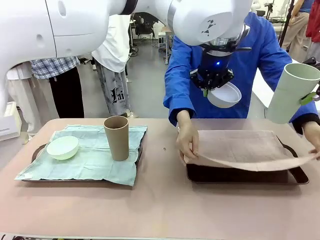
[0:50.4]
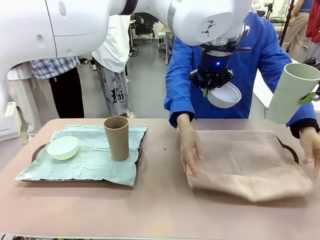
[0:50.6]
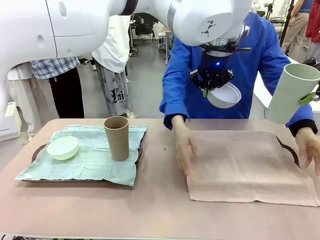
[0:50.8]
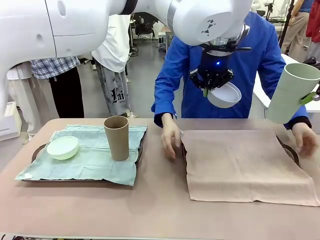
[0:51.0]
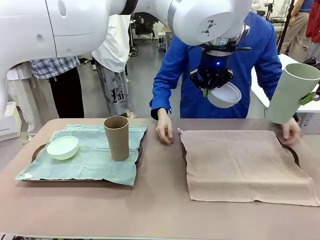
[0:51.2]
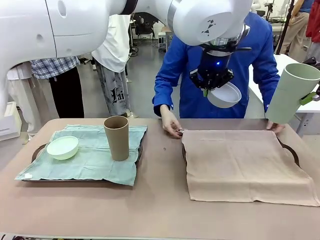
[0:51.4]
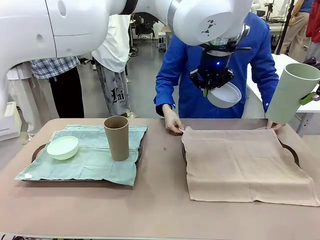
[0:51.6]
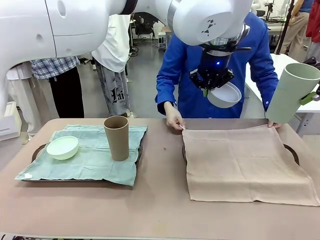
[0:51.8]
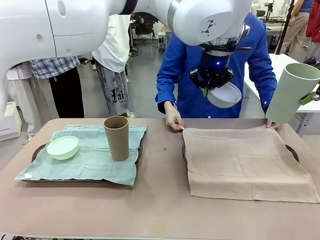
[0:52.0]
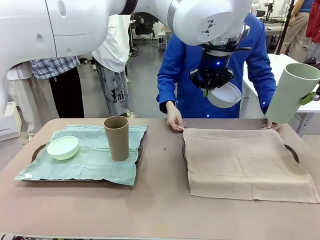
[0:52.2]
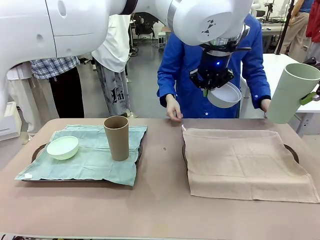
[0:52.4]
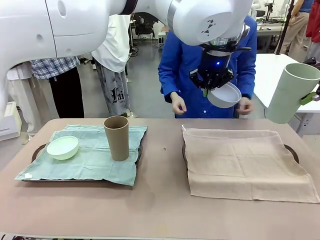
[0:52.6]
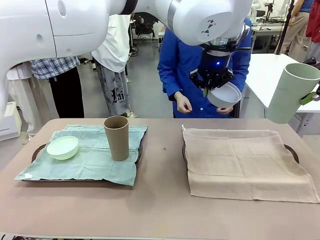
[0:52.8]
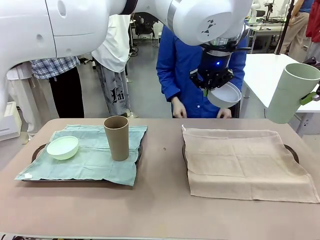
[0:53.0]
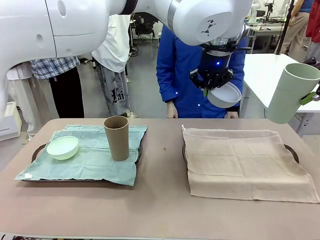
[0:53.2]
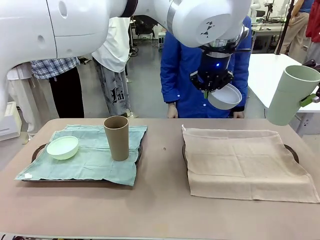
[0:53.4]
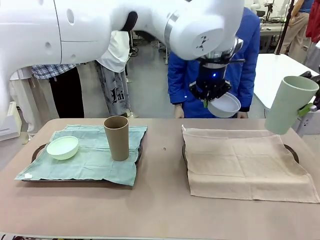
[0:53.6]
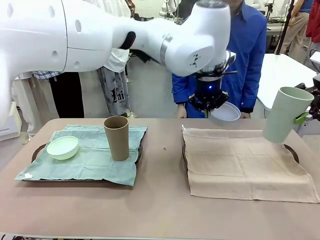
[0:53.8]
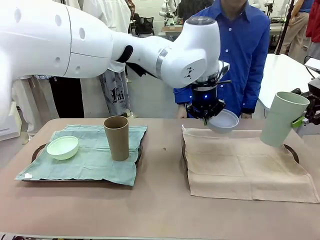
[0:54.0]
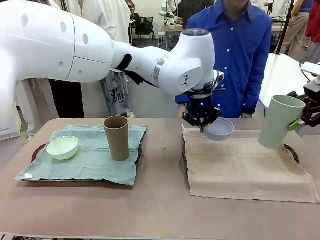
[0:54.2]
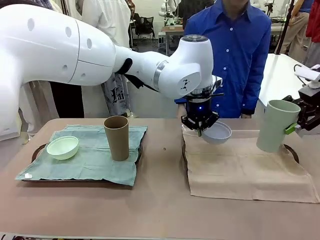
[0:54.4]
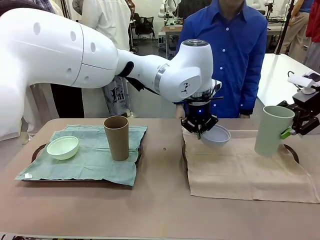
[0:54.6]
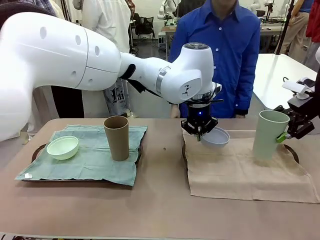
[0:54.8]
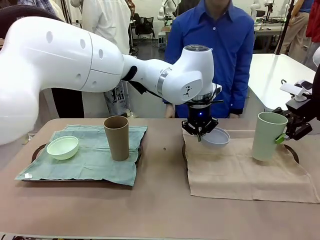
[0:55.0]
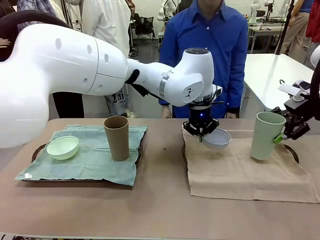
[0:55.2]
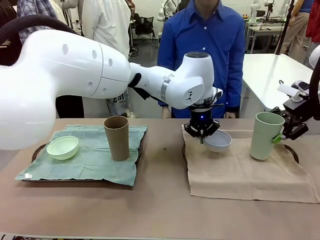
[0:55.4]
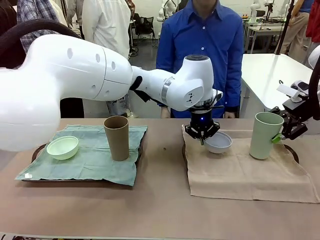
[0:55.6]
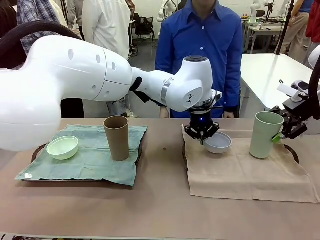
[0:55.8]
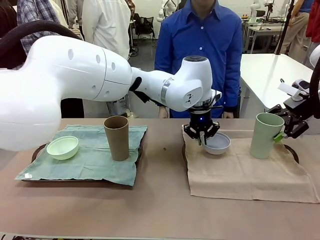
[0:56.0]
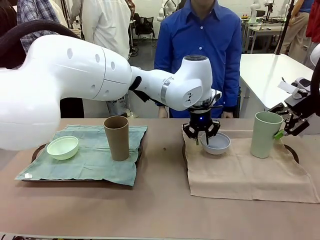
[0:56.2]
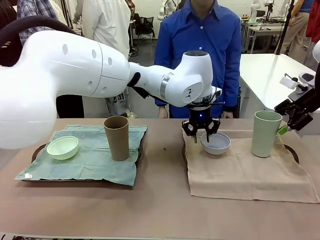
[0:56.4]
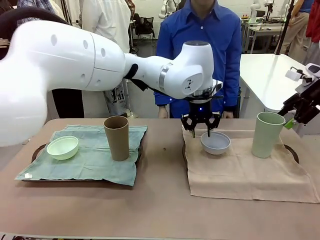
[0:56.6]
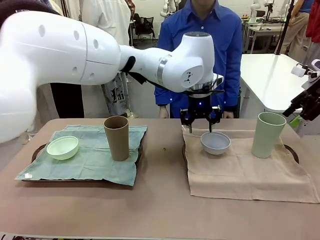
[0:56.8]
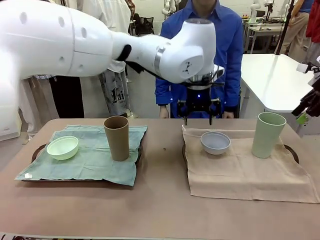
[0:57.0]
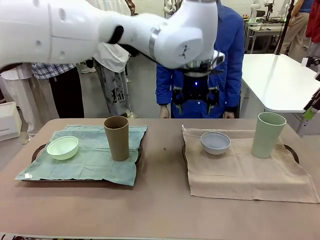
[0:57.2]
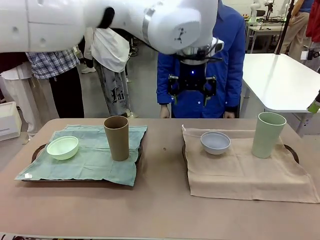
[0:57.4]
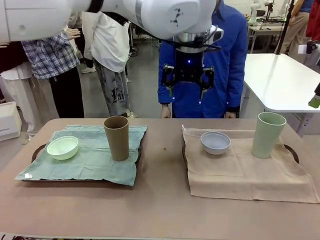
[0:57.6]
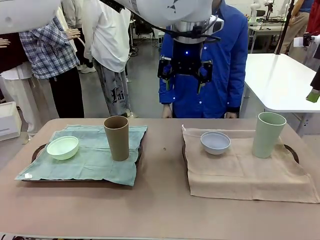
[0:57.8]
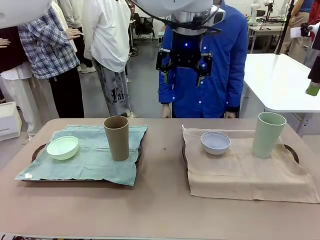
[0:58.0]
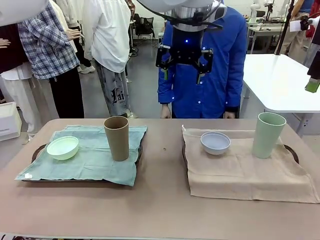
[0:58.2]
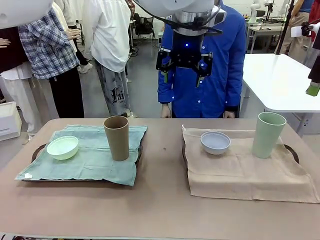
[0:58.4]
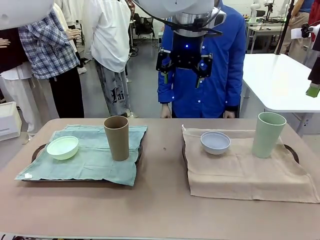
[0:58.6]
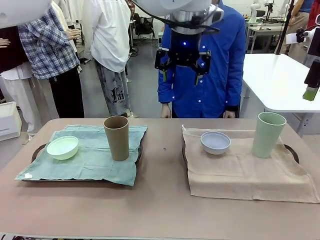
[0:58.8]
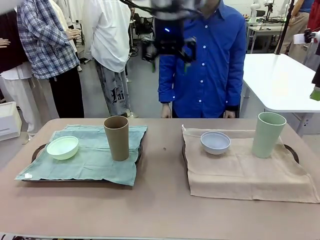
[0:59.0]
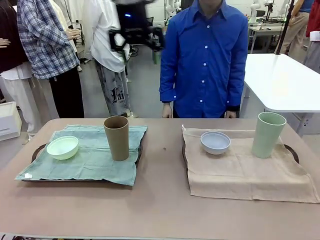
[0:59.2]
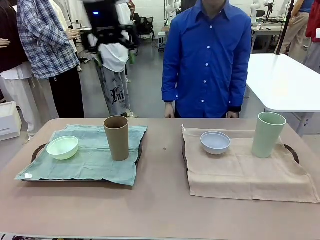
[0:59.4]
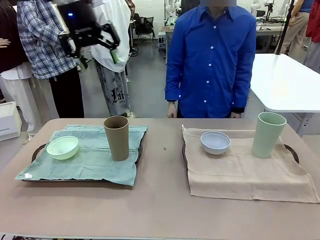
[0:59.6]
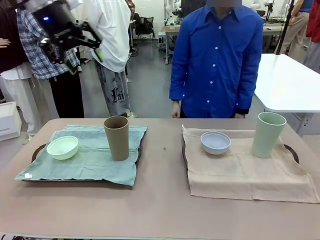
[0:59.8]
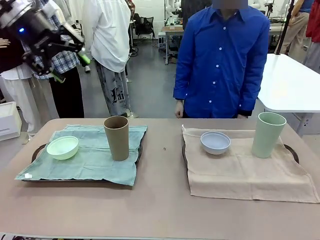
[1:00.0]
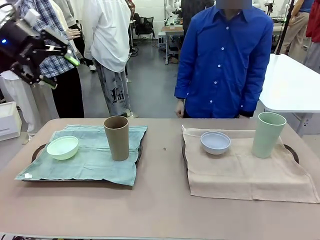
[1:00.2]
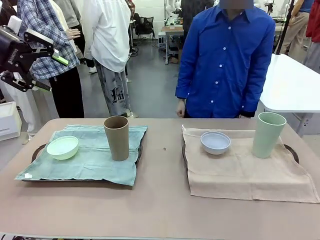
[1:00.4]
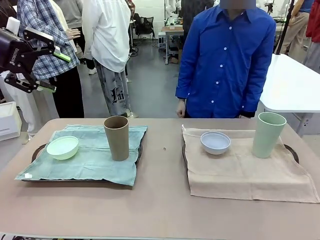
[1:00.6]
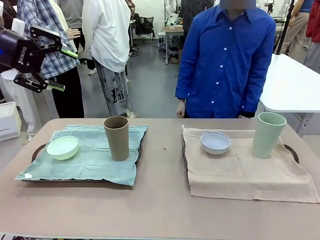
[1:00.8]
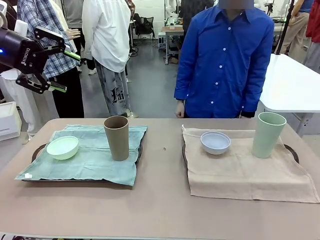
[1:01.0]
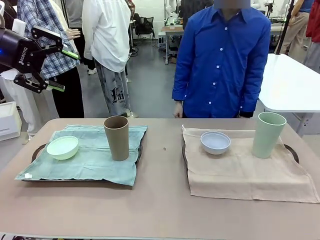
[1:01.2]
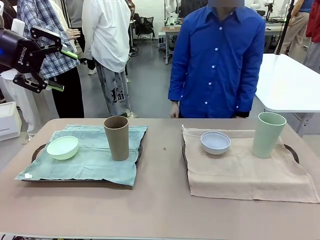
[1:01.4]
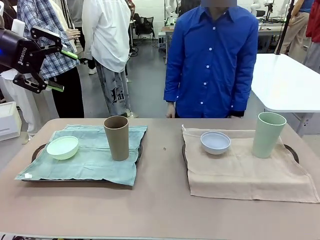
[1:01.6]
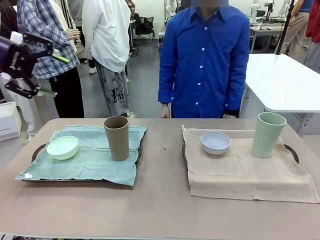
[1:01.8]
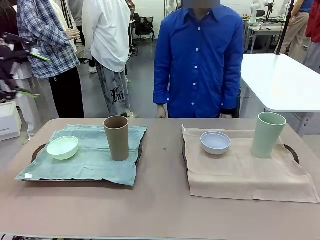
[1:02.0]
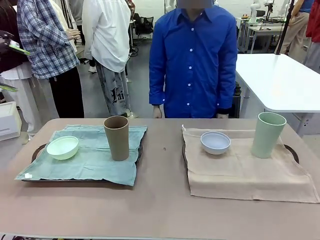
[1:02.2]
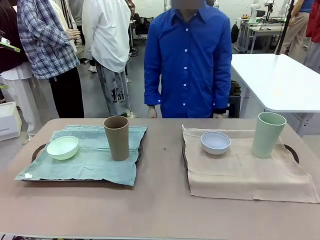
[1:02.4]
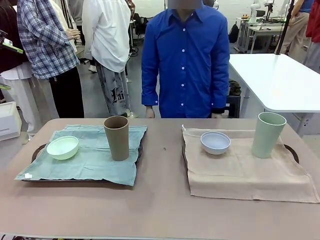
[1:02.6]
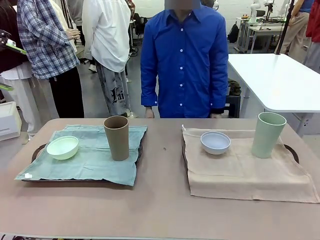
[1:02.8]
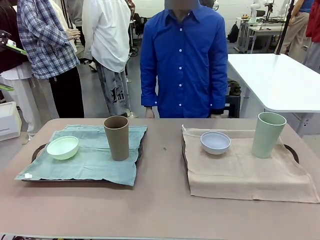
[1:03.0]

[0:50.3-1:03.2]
Robot: Place the Picnic Bowl and Reusable plastic cup back onto the Handle tray in front of the human's position.
